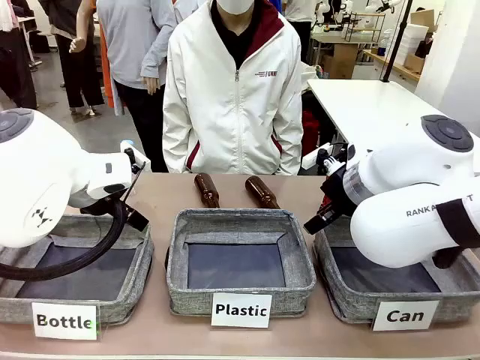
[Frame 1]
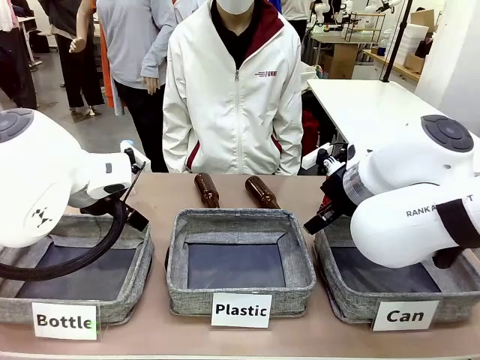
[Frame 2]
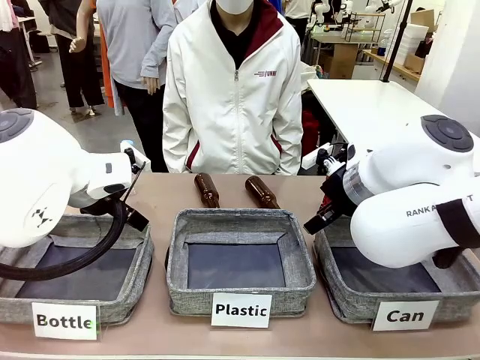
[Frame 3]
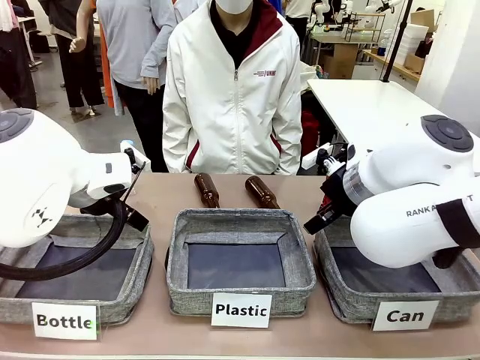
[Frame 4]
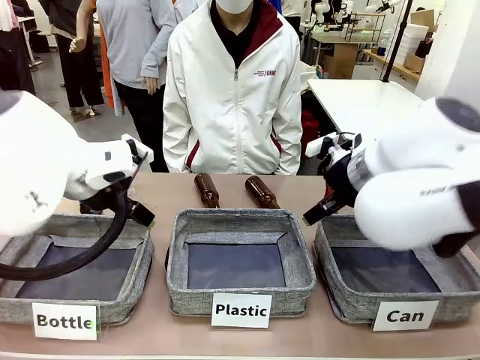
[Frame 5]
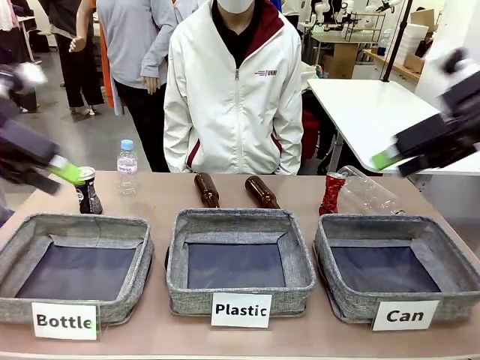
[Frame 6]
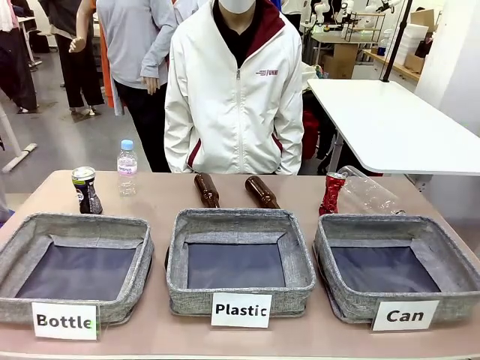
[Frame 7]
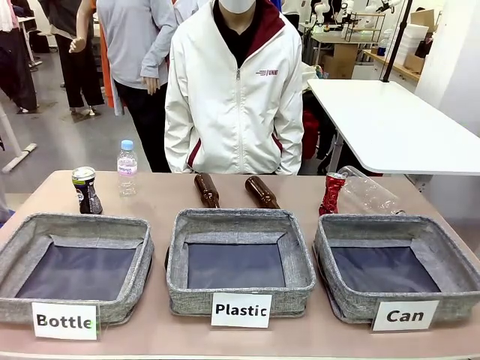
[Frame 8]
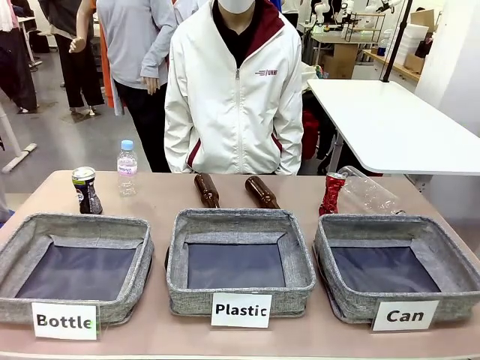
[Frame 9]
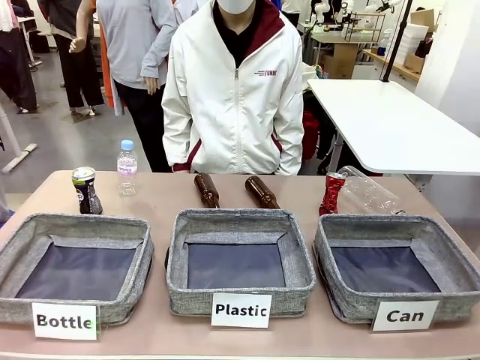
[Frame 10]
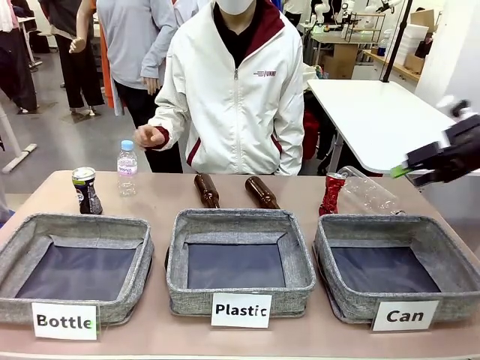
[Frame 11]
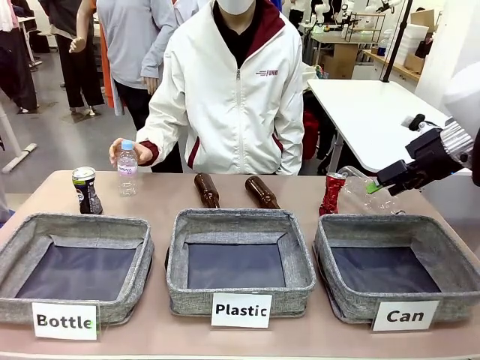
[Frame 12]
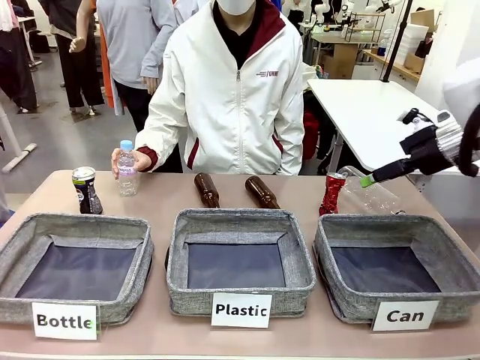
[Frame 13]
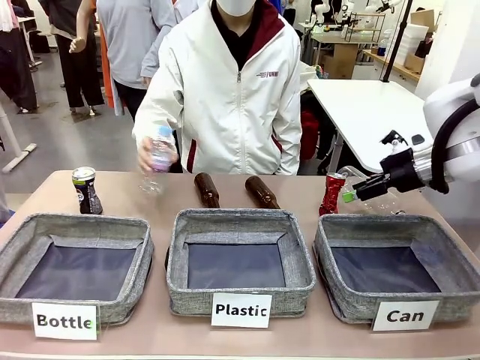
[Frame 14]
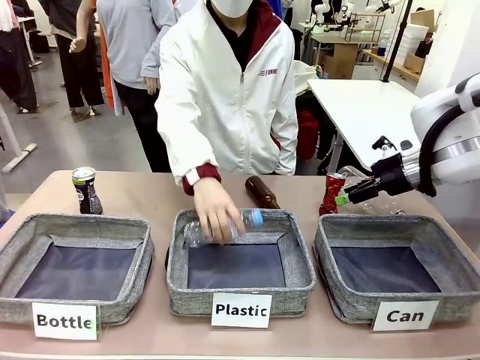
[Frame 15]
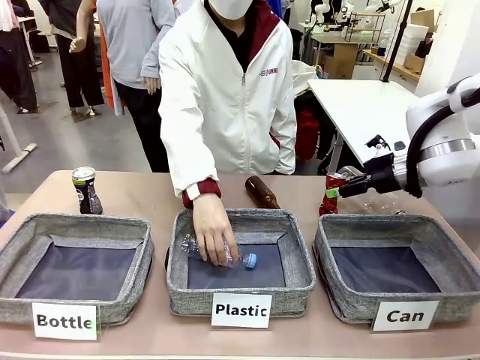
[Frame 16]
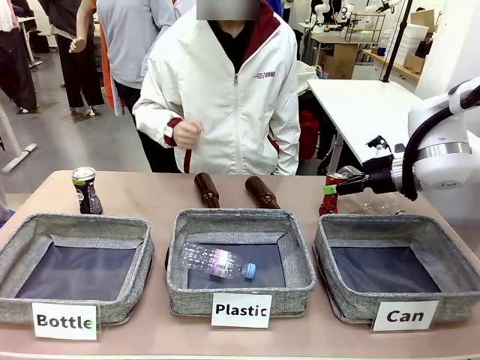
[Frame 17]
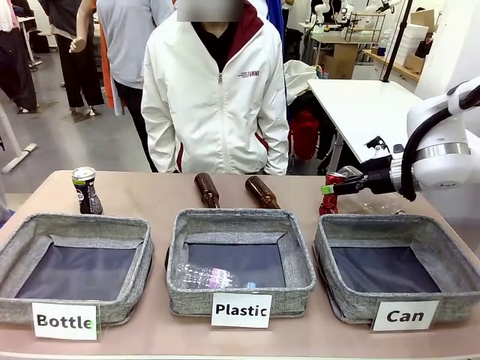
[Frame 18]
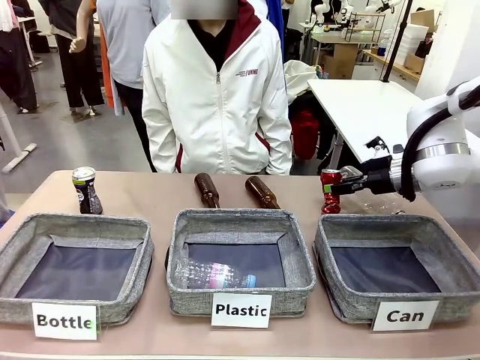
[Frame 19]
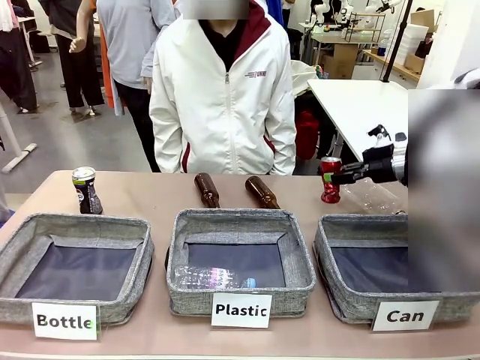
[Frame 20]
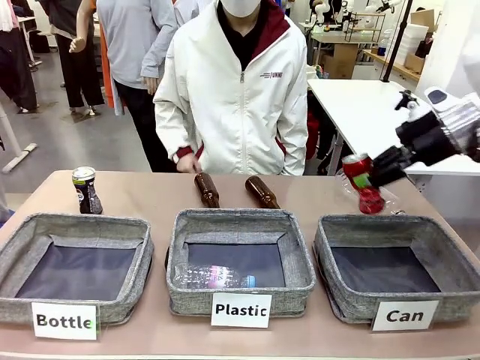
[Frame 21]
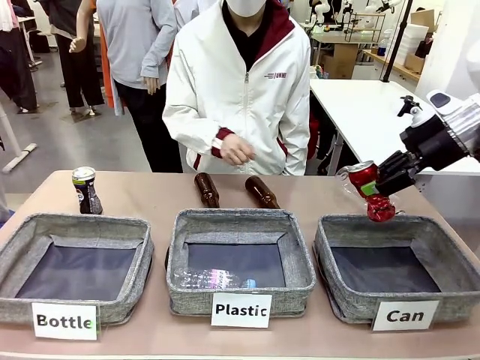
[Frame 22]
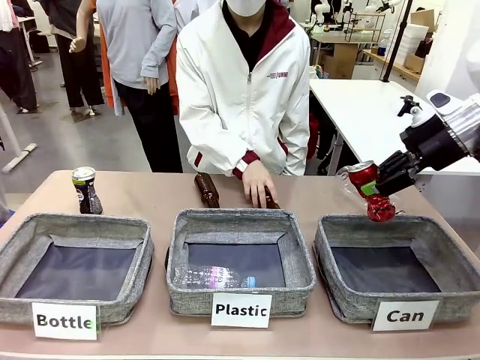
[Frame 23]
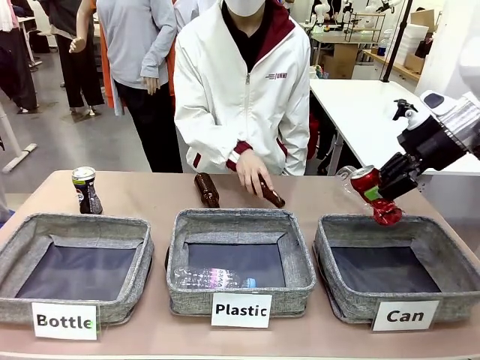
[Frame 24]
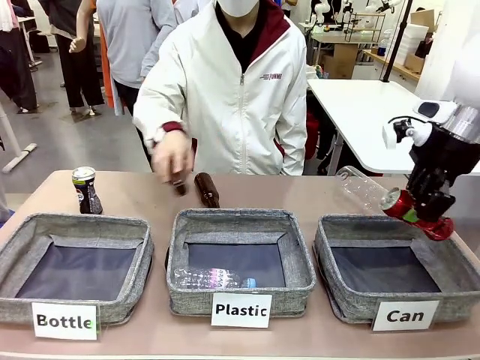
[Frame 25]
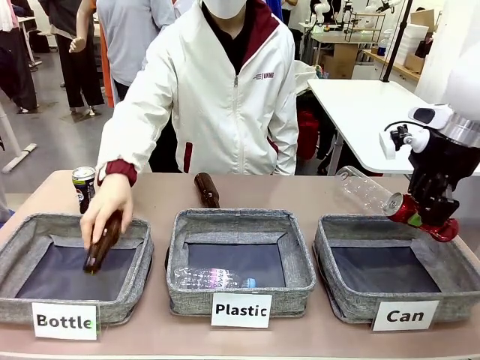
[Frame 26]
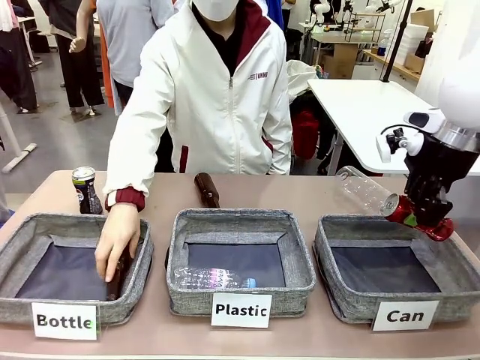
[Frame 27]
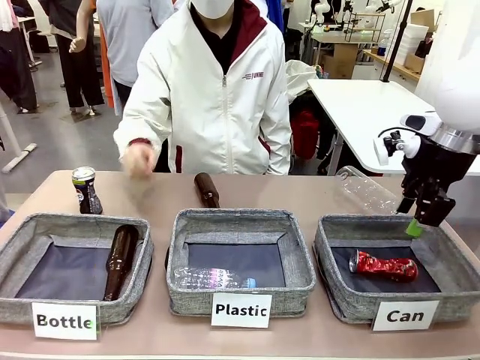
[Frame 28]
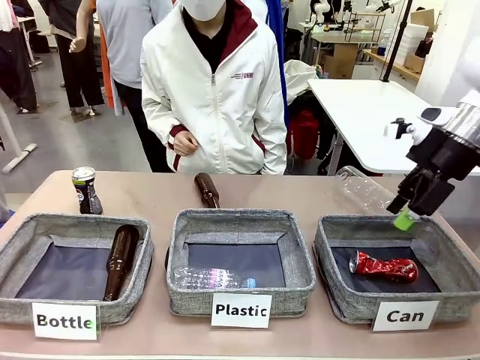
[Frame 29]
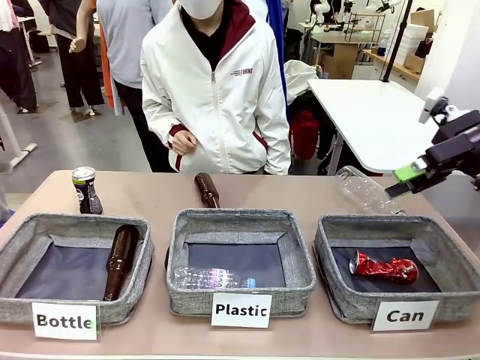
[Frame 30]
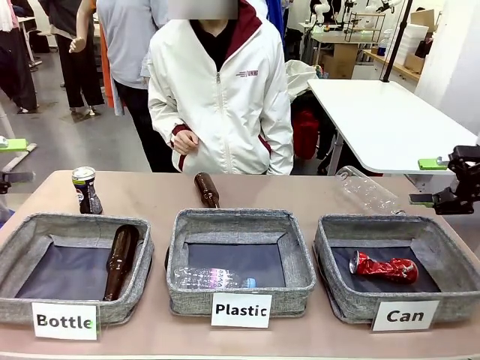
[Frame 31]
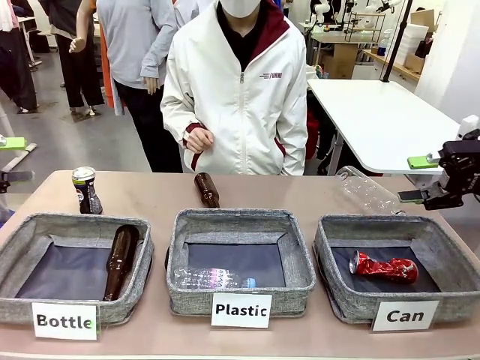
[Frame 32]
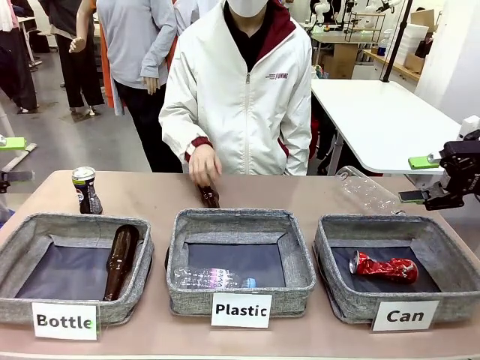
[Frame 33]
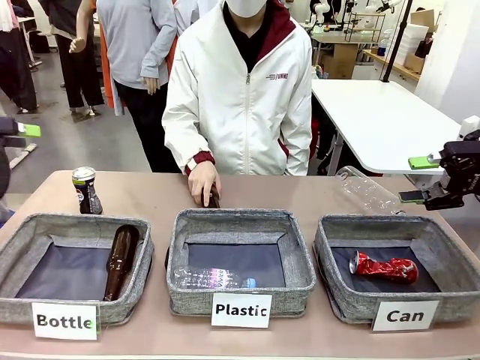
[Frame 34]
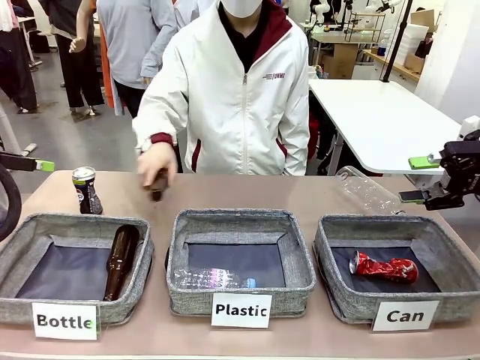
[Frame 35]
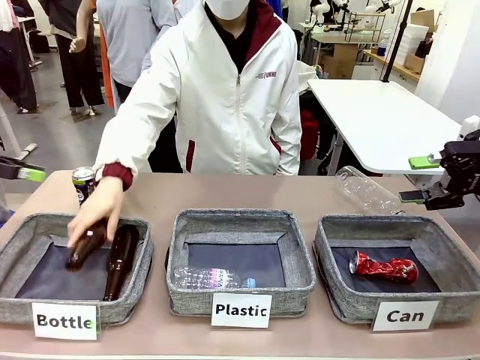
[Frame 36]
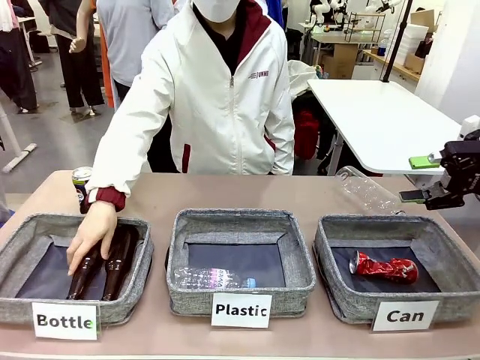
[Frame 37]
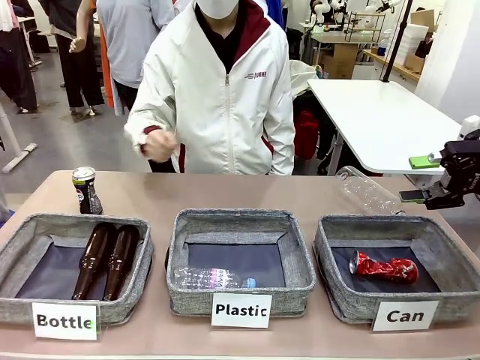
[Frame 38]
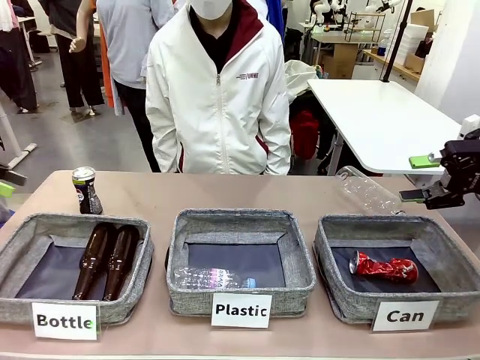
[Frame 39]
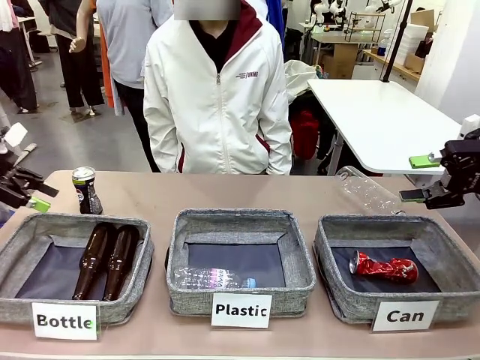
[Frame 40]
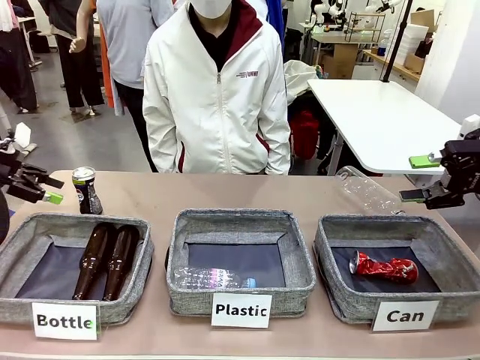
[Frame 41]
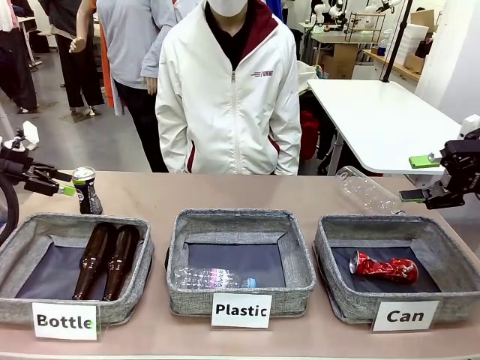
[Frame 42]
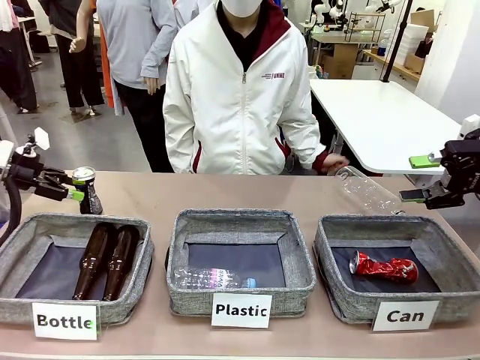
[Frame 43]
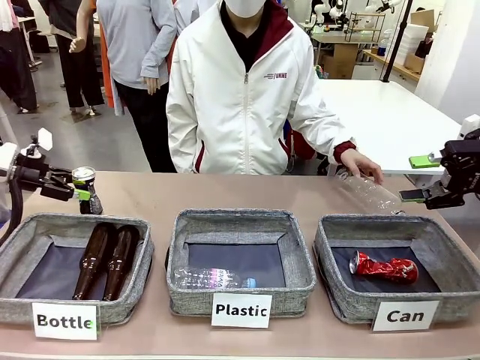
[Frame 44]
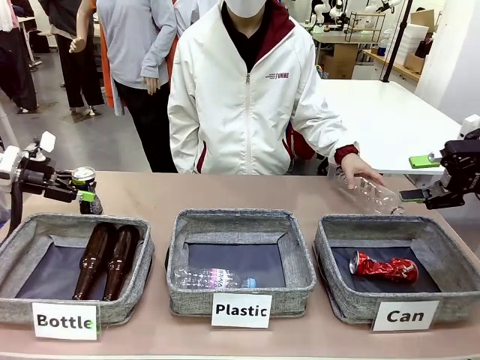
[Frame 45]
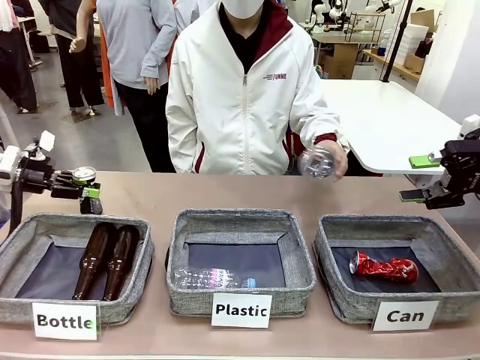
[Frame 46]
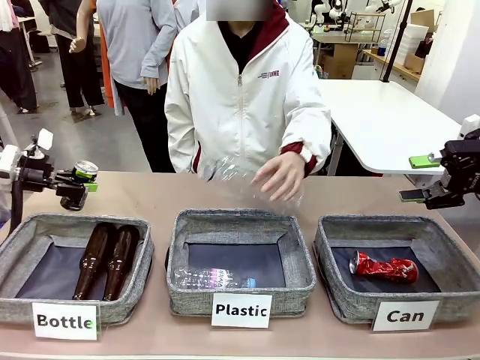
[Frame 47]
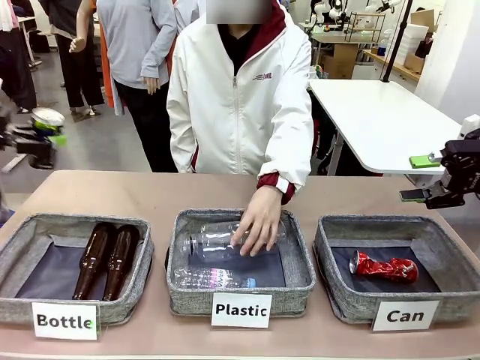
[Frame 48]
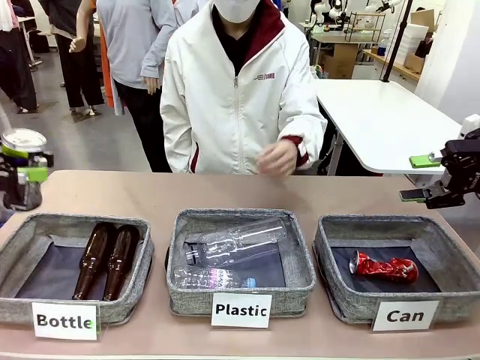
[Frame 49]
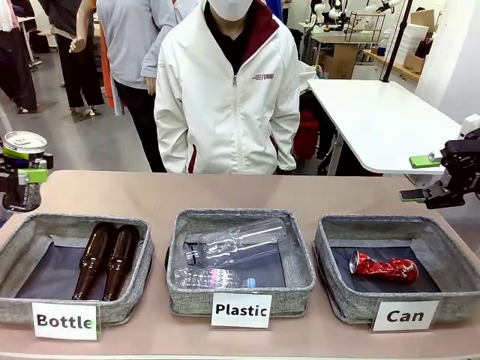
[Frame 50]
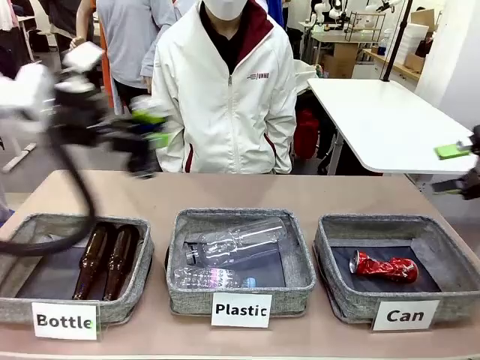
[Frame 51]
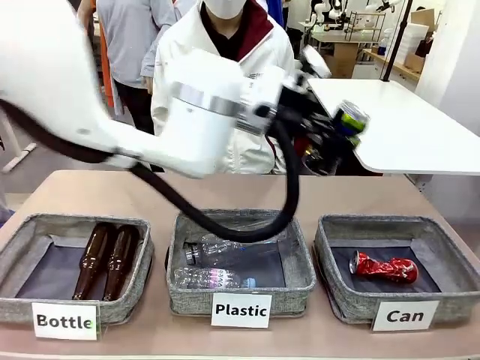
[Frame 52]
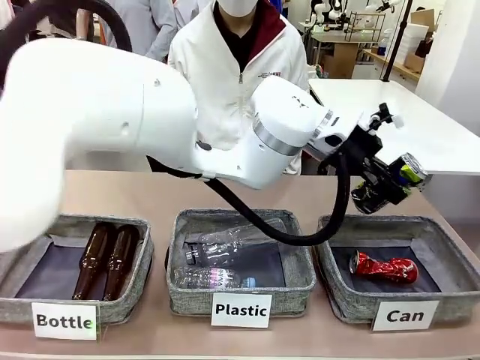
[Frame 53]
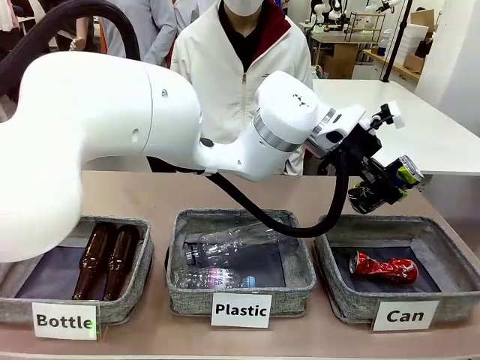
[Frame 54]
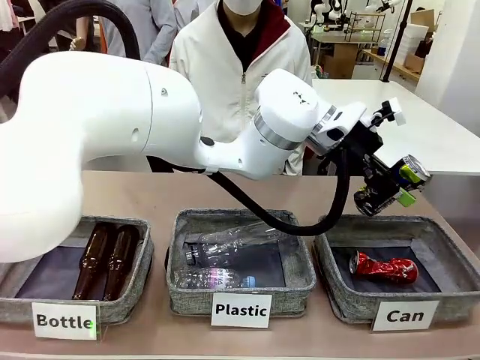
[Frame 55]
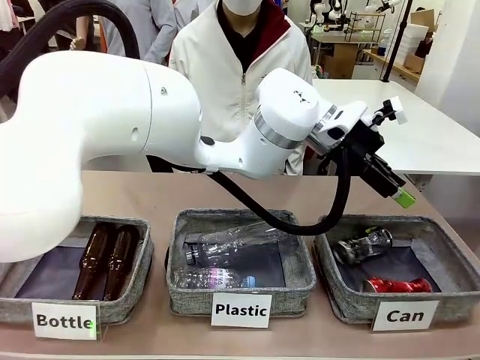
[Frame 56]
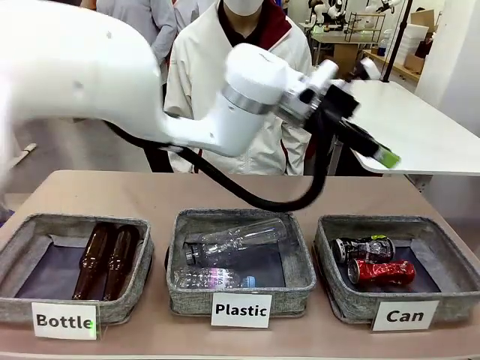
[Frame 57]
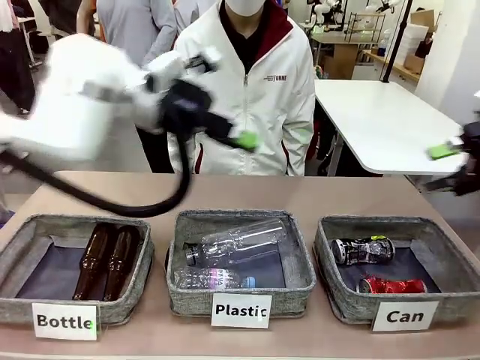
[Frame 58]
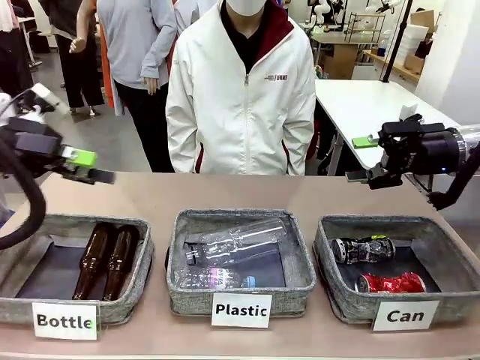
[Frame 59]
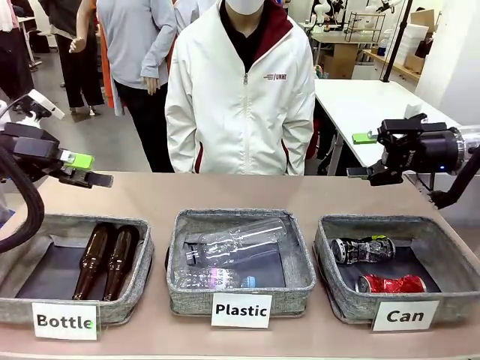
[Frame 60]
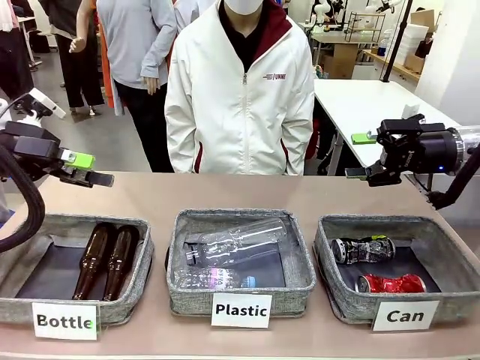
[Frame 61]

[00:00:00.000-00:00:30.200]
Task: Sort the can waste into the basket.
Robot: Pick up the can waste from the table and place it in the right Fabric basket.
Person: The human picks up one piece of trash that is not a can and places the trash into the appropriate organizing basket.
